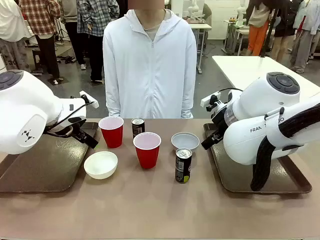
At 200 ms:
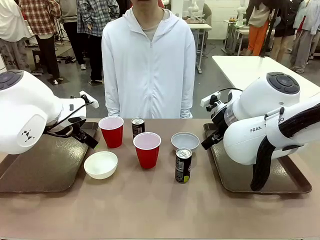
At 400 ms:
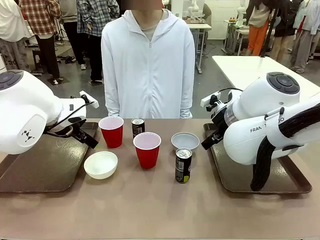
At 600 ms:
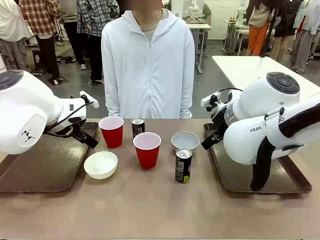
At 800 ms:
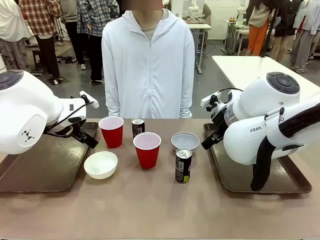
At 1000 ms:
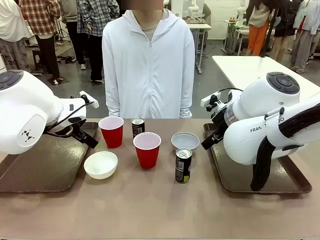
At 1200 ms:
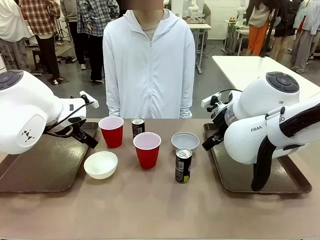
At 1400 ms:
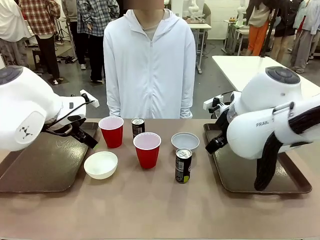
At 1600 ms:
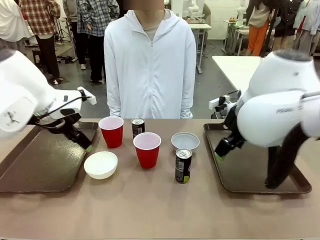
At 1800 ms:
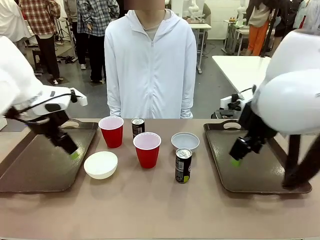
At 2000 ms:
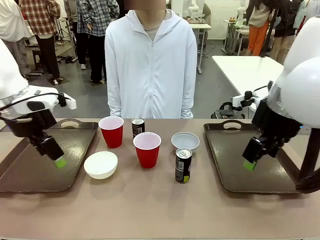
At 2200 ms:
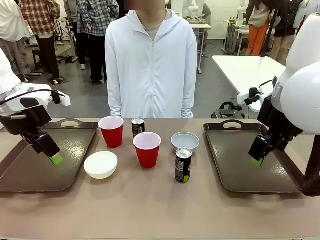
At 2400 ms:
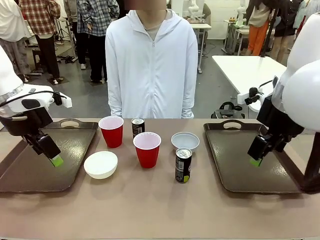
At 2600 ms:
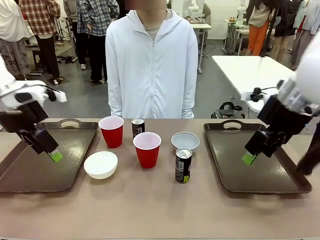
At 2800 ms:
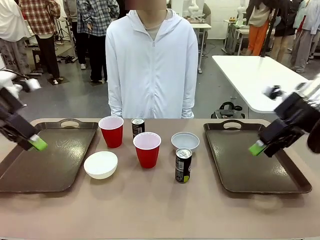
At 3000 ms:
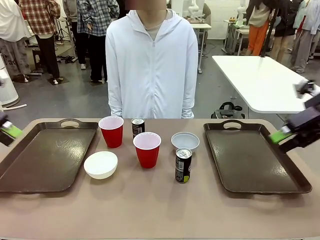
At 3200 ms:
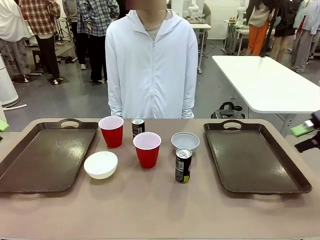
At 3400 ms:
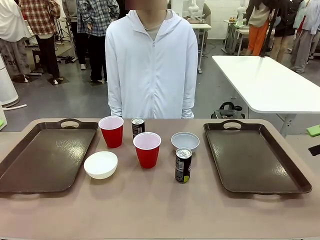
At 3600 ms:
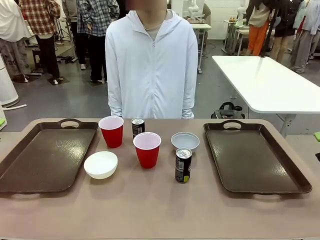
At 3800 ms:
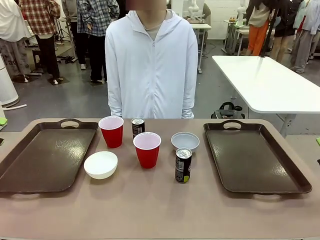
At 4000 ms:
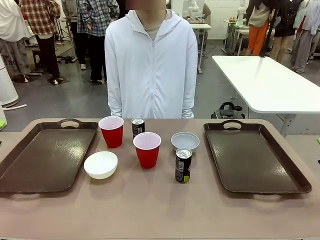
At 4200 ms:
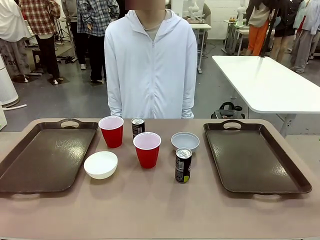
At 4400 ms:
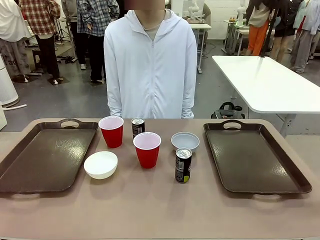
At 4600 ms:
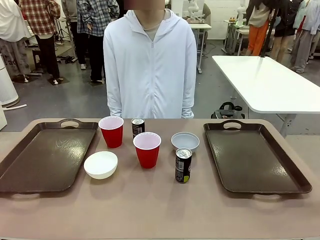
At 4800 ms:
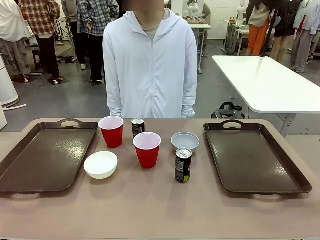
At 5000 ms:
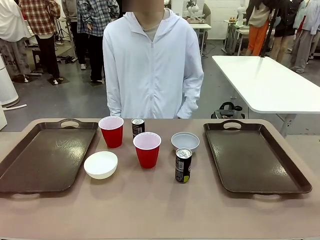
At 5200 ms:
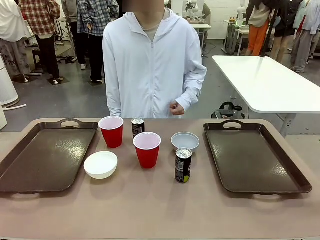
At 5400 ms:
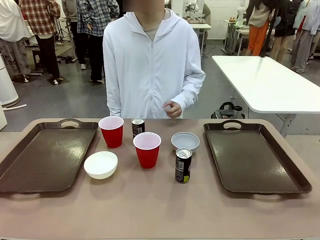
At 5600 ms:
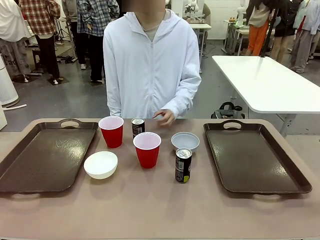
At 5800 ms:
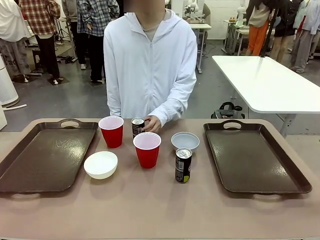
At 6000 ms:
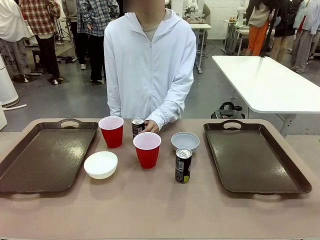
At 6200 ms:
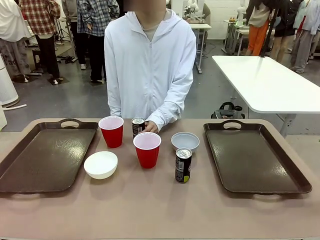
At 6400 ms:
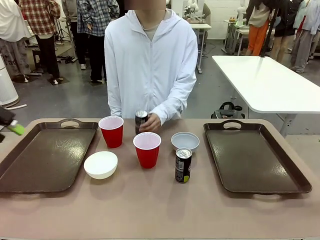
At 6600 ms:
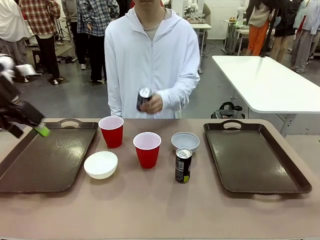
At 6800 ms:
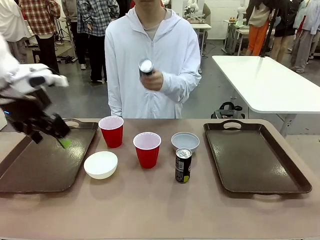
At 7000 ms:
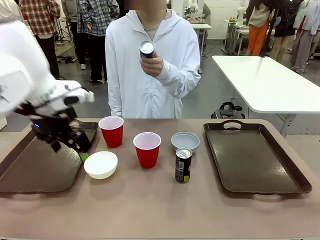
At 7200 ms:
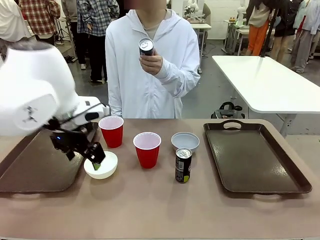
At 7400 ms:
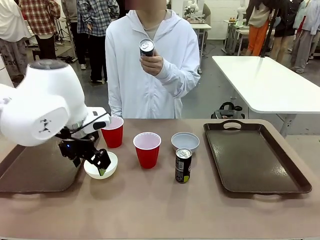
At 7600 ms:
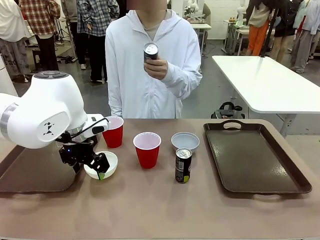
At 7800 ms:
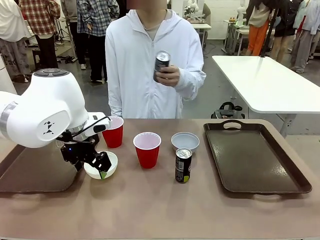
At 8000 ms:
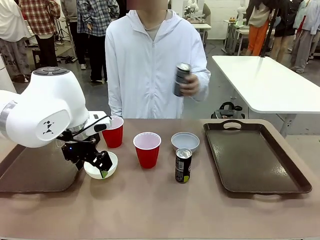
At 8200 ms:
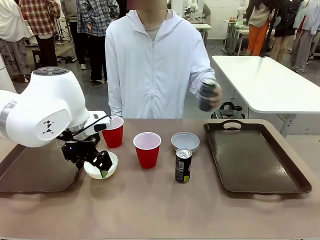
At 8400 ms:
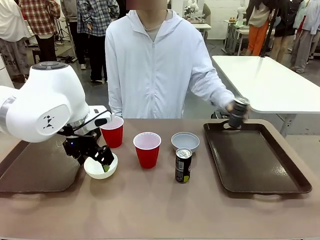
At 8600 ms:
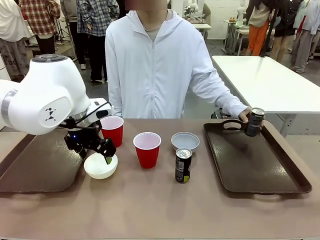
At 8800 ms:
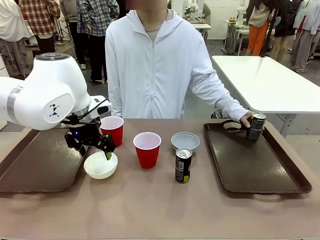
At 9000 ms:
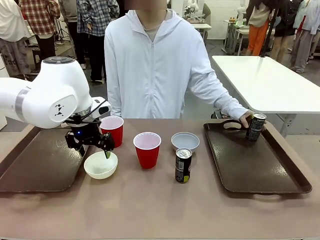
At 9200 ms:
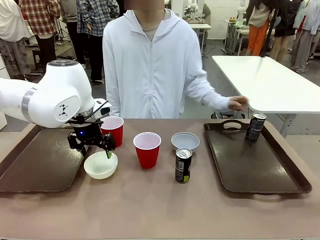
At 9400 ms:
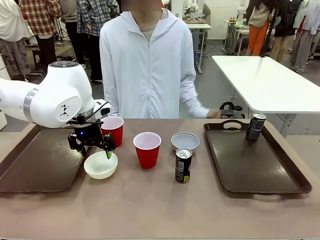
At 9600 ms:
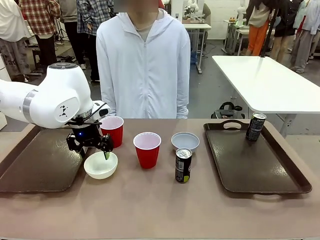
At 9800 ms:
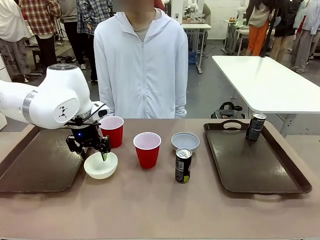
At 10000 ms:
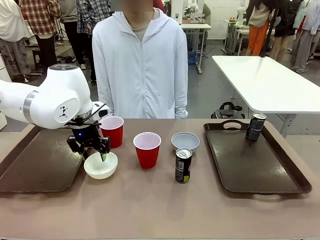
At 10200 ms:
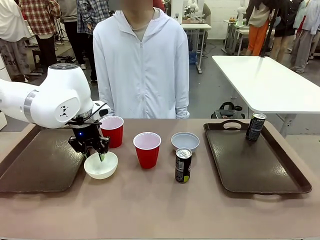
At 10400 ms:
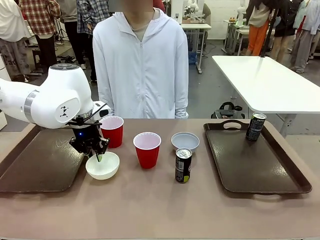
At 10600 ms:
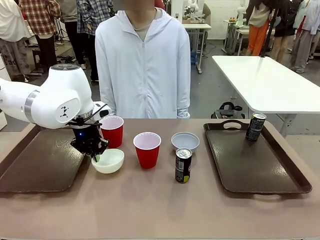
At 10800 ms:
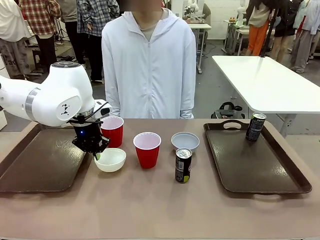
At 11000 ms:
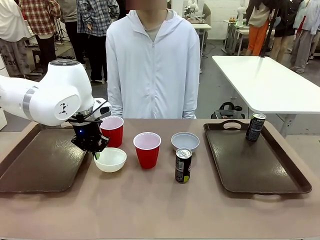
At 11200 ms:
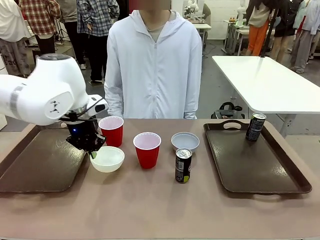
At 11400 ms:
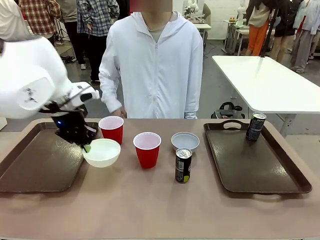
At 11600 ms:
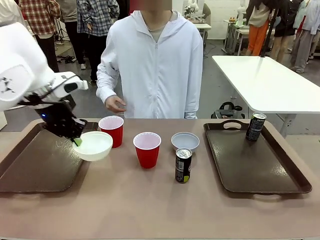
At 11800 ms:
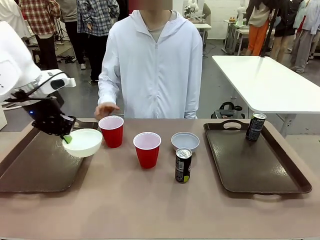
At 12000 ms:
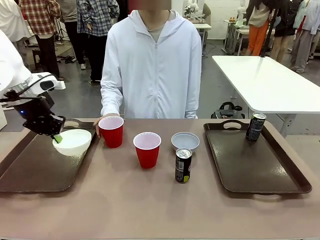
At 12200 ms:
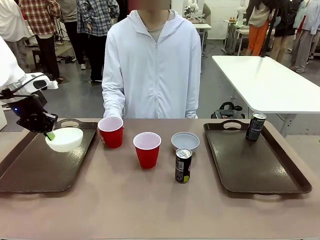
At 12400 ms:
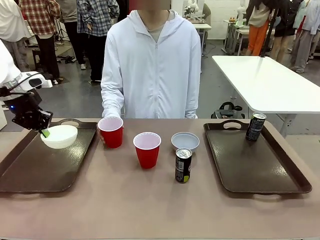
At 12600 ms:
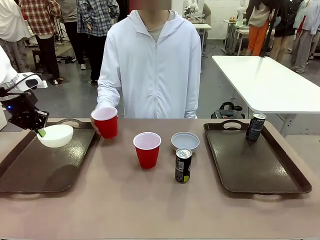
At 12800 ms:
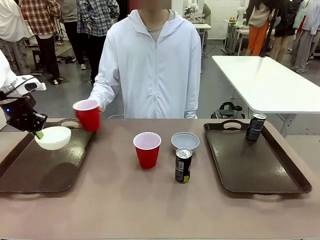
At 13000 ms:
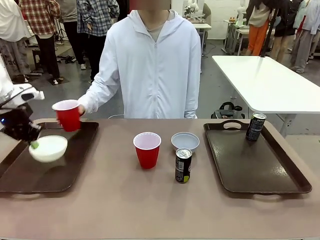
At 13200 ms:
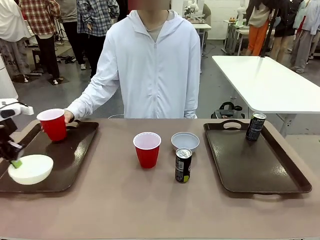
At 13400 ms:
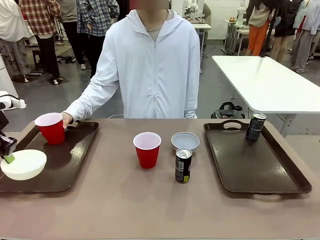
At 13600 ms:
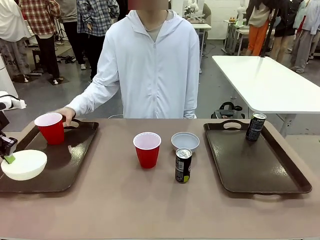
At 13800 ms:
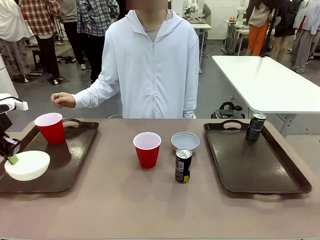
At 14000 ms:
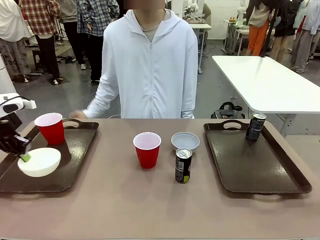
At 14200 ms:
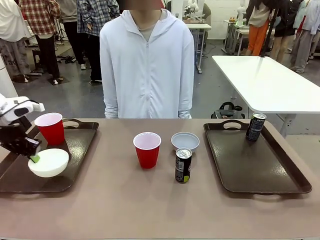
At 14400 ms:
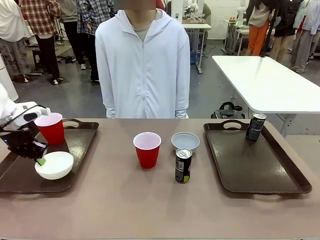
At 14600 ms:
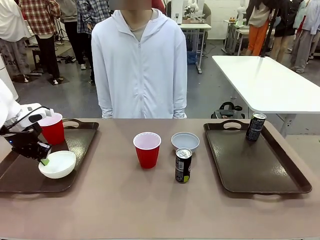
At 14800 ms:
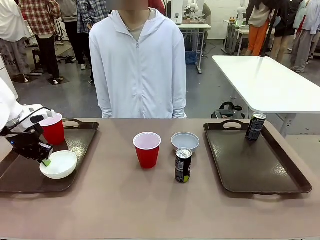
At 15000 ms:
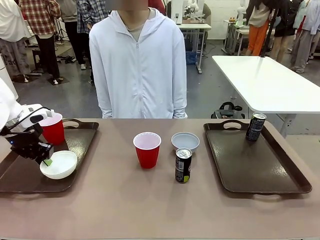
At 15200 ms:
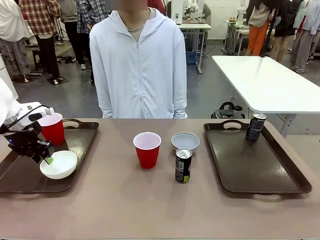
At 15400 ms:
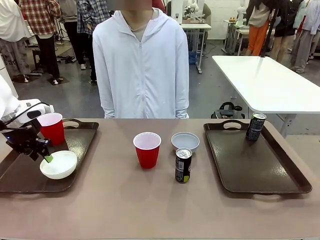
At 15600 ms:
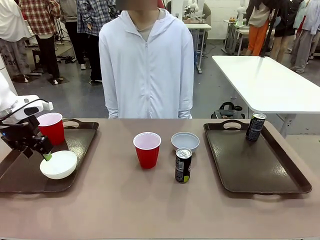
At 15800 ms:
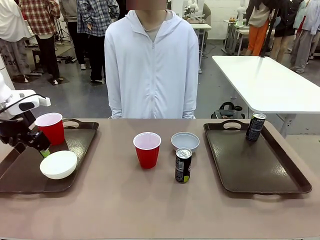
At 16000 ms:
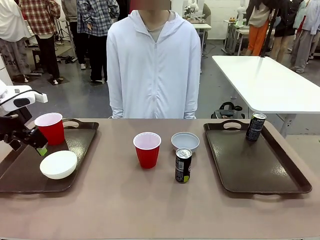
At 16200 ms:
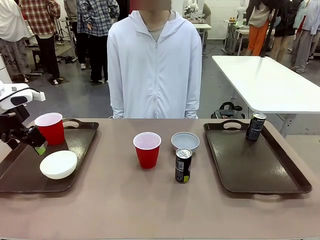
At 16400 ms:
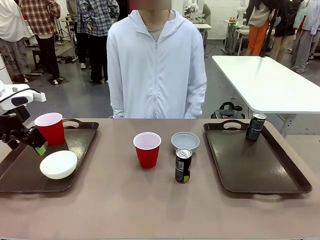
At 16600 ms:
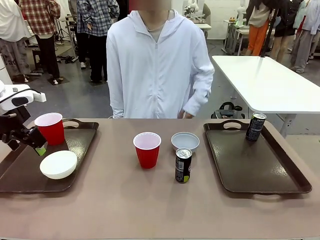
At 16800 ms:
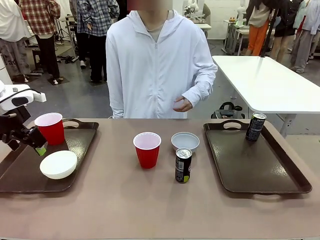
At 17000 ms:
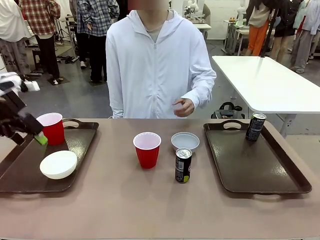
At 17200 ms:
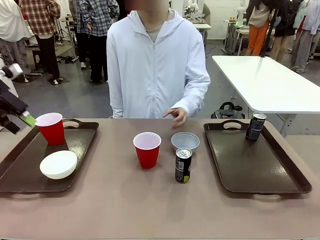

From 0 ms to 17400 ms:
Task: Prepare tableware on both trays.
Robot: Pick up a Picnic Bowl from the table and place it on a Handle tray.
Person: Pick up a can or cup and place it on the tray.
